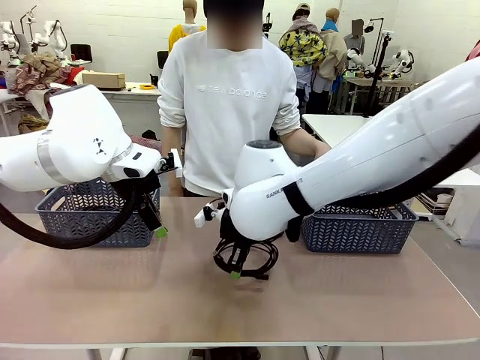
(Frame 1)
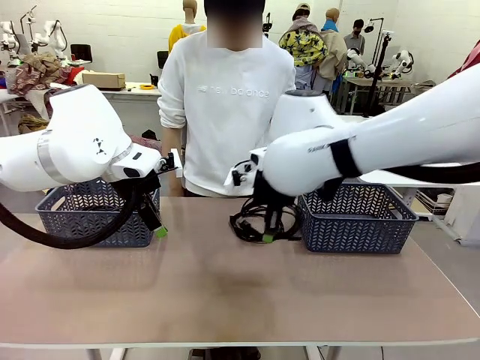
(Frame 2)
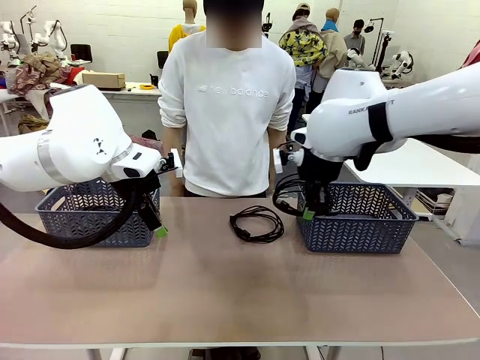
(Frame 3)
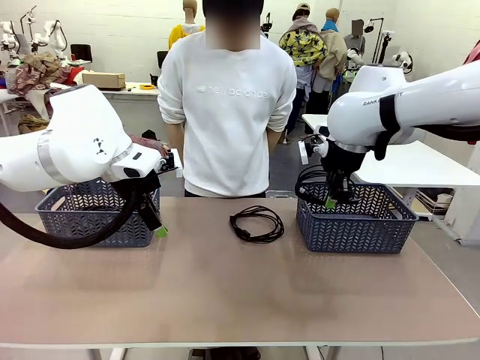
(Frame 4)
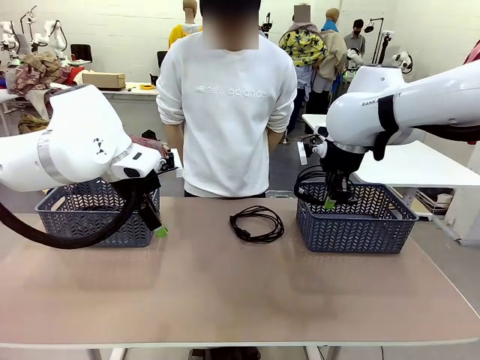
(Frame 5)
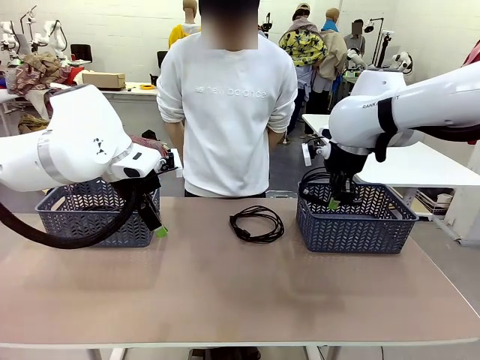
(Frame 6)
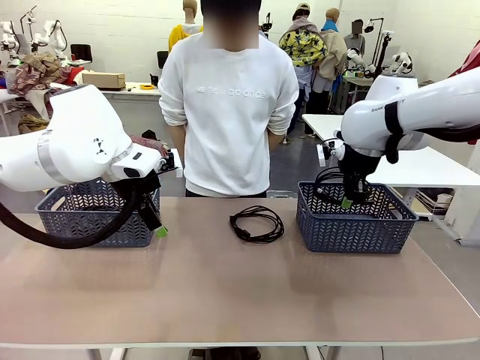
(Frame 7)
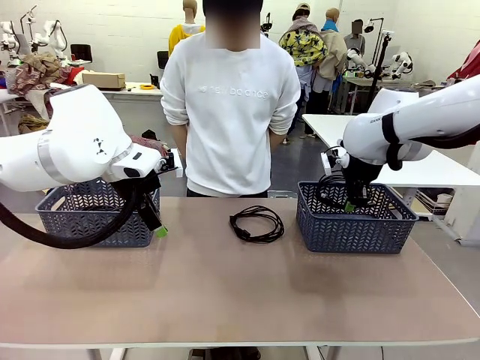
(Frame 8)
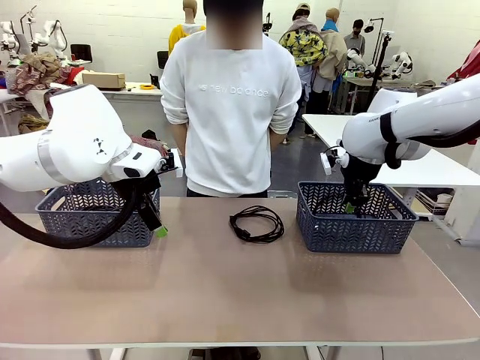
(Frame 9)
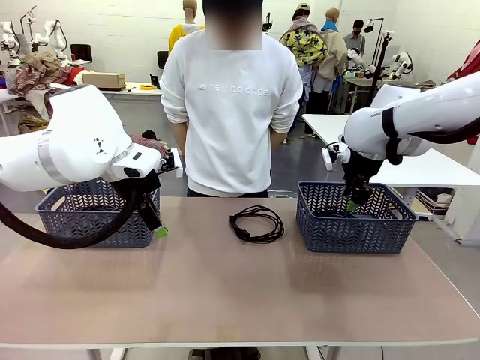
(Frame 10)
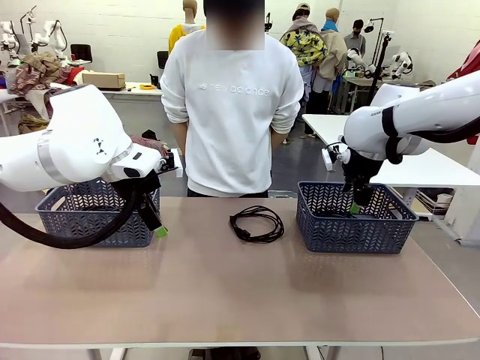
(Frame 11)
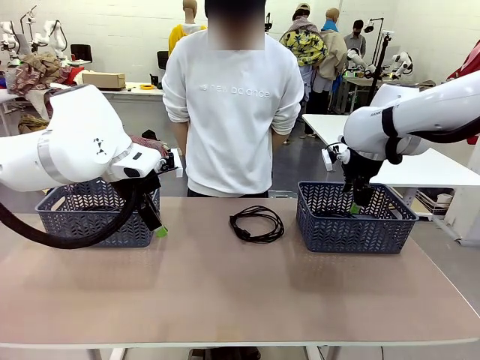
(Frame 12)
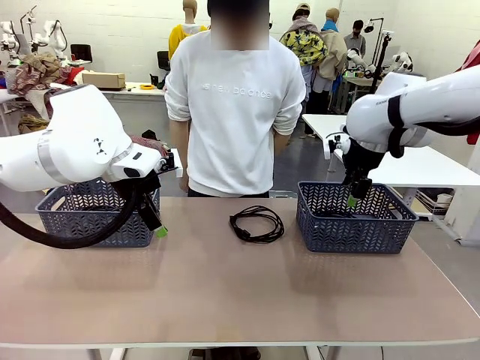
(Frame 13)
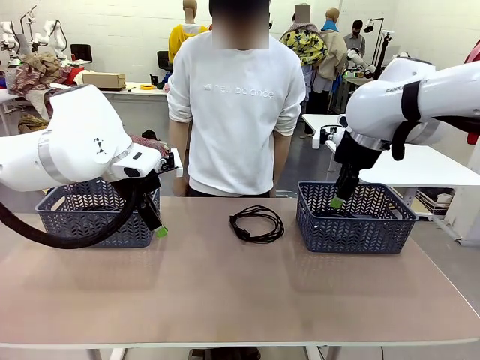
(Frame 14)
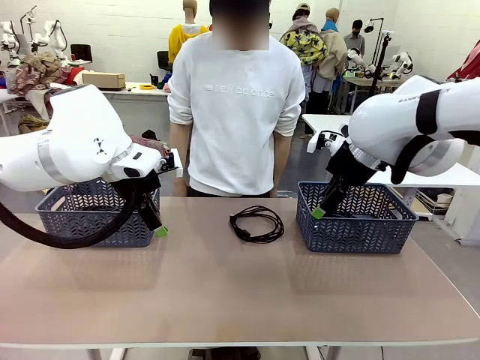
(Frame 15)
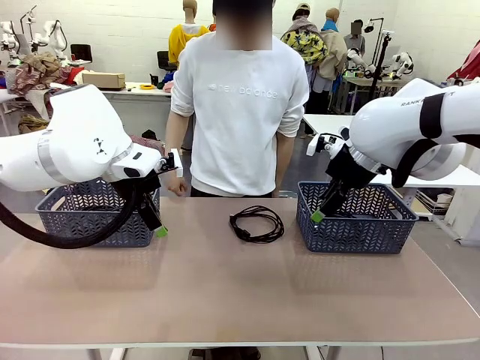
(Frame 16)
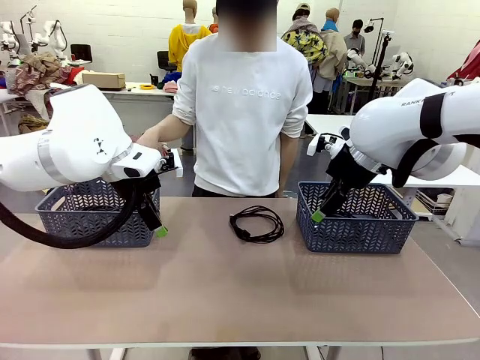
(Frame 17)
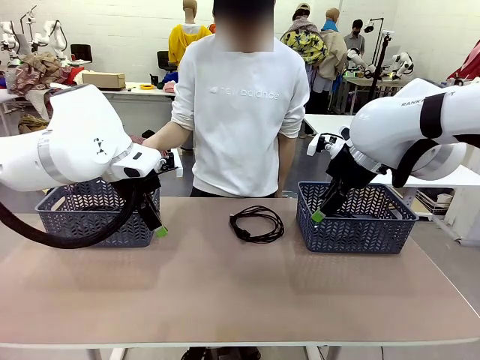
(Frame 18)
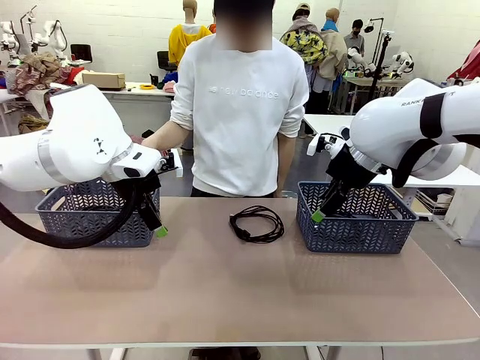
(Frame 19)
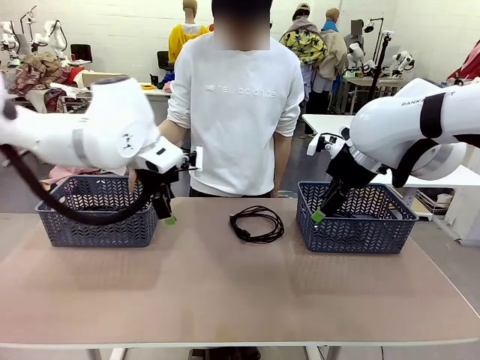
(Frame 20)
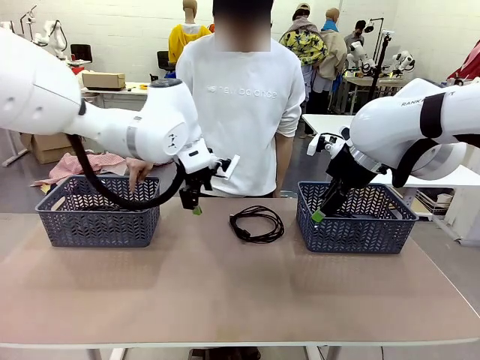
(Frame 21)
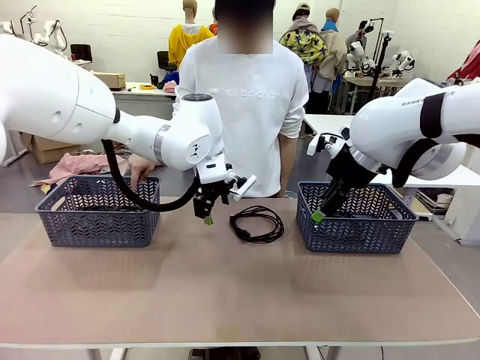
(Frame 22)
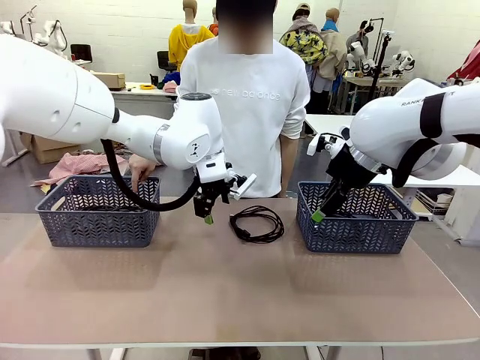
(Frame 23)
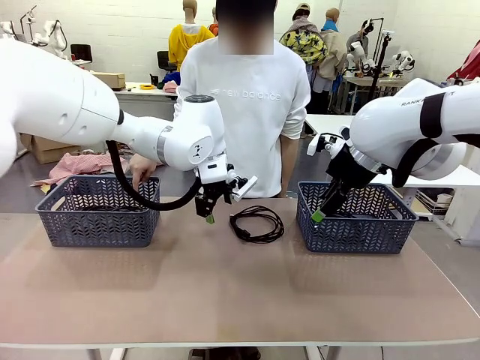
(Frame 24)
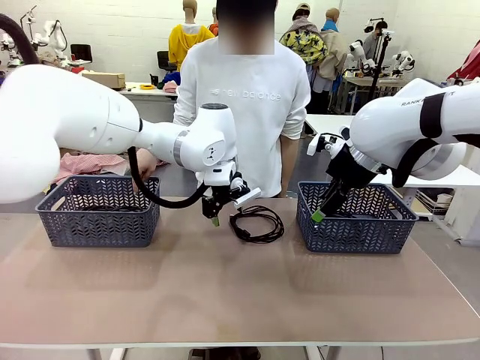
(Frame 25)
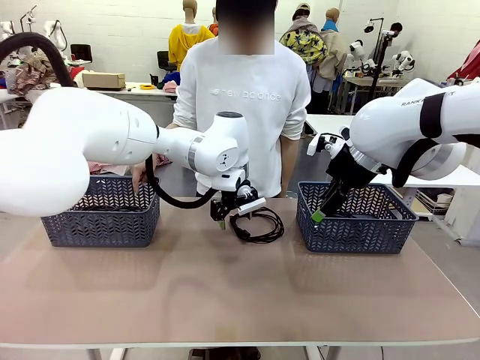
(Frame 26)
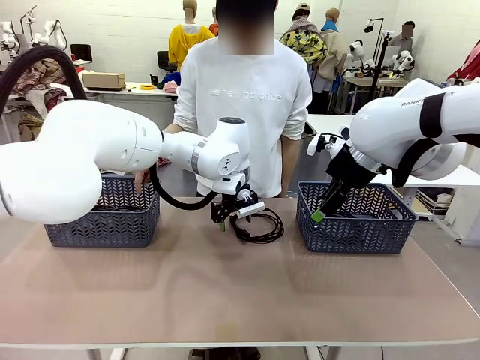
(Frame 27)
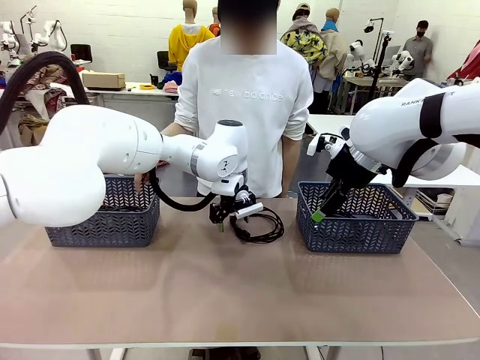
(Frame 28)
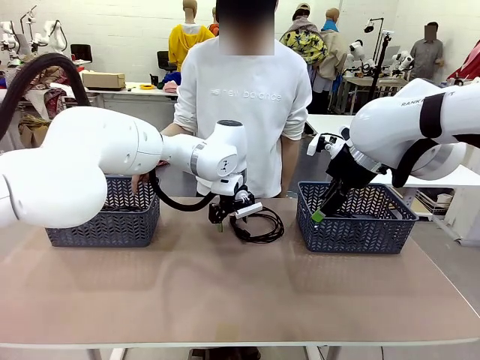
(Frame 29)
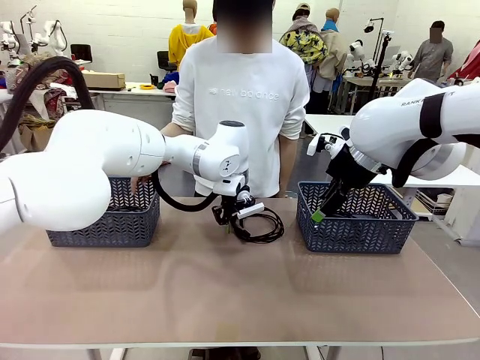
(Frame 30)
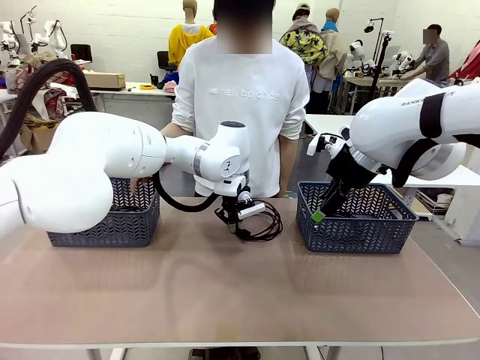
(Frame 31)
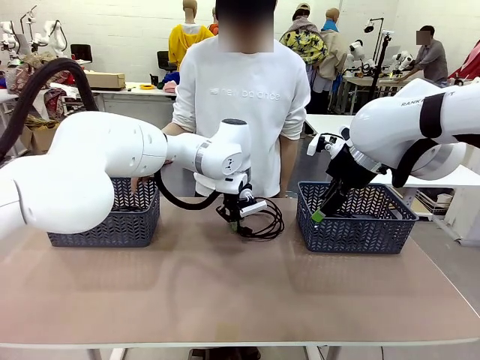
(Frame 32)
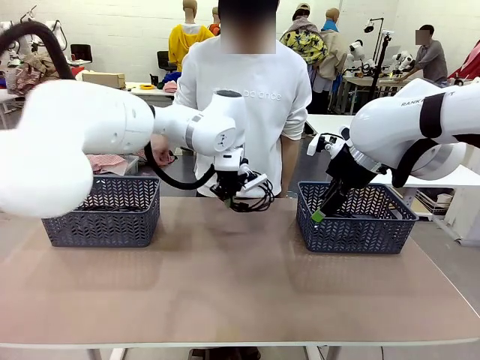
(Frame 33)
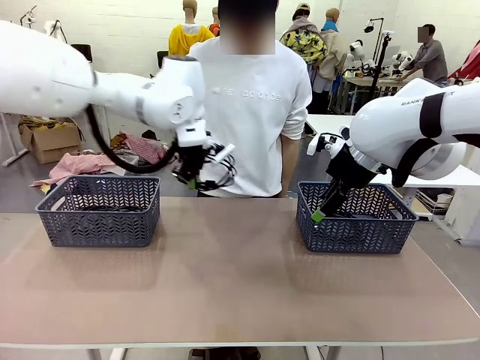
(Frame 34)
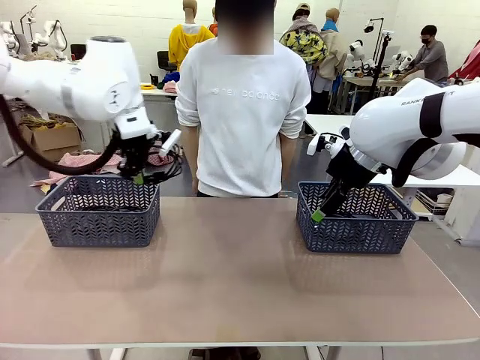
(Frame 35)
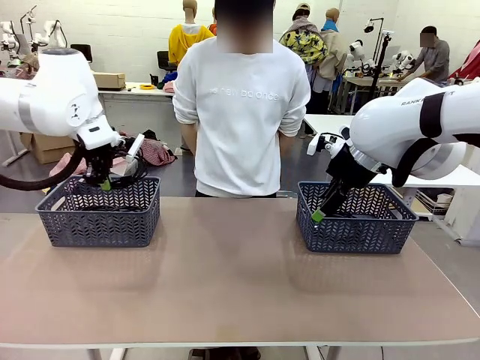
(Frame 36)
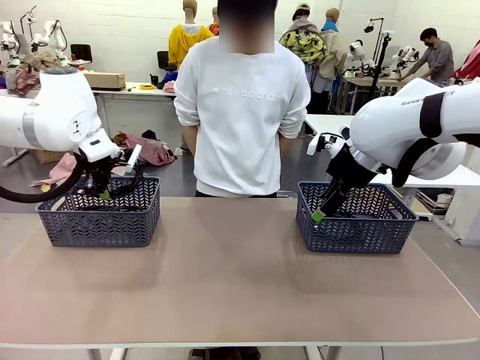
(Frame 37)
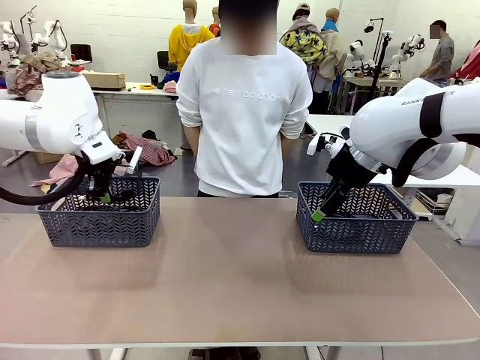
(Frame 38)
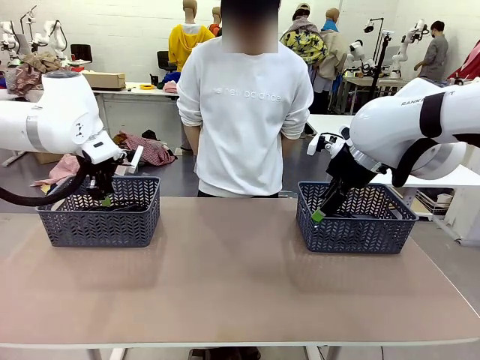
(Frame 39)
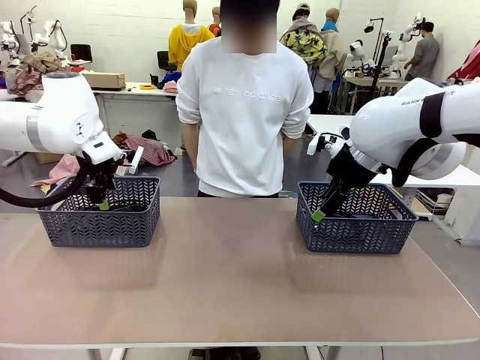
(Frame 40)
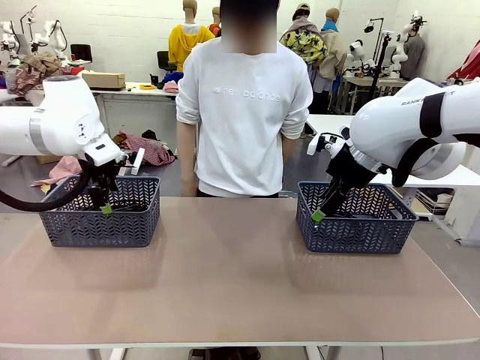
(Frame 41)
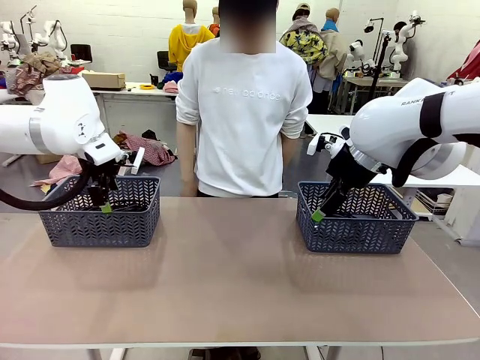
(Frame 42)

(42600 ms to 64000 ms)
Task: Organize the cables according to human instructions.
Robot: Pick up a bundle of cables and place it in the basket indicated by the human.

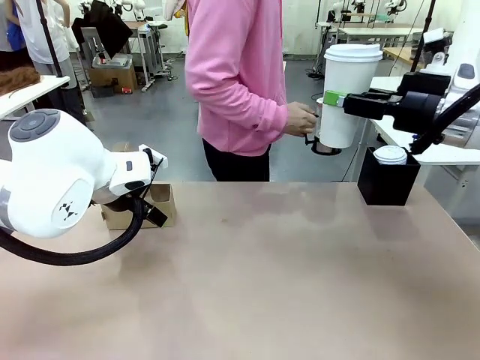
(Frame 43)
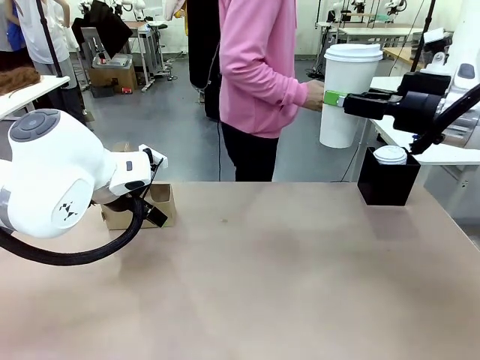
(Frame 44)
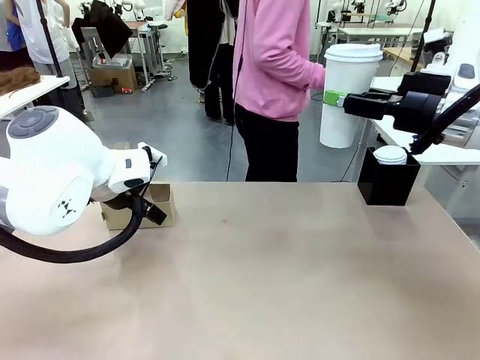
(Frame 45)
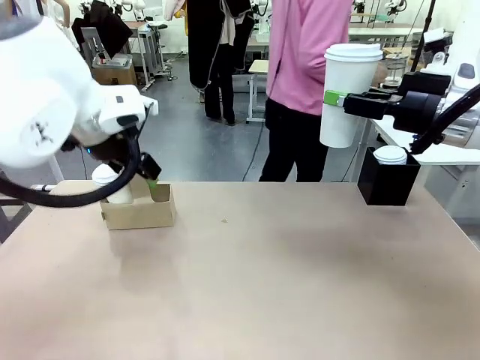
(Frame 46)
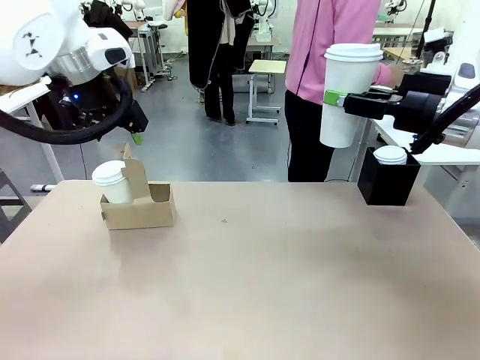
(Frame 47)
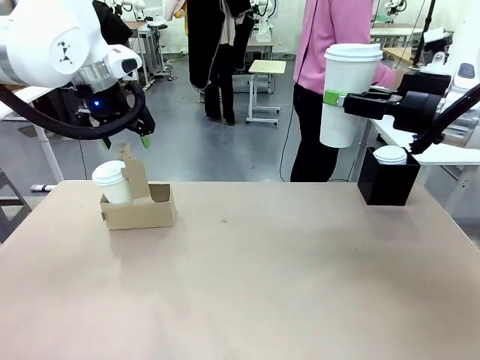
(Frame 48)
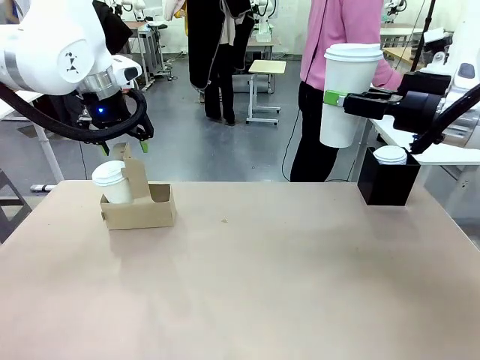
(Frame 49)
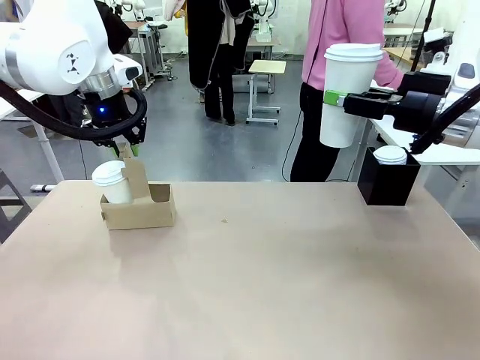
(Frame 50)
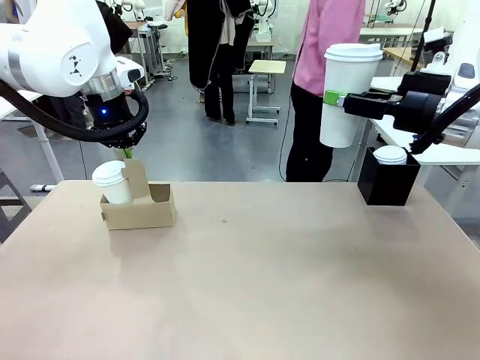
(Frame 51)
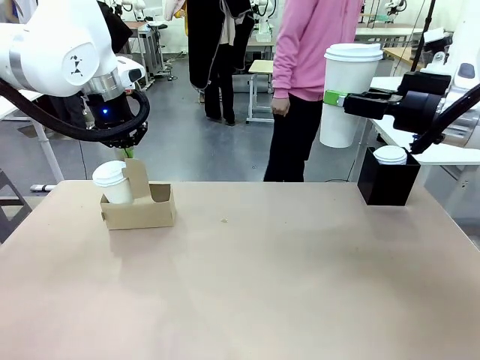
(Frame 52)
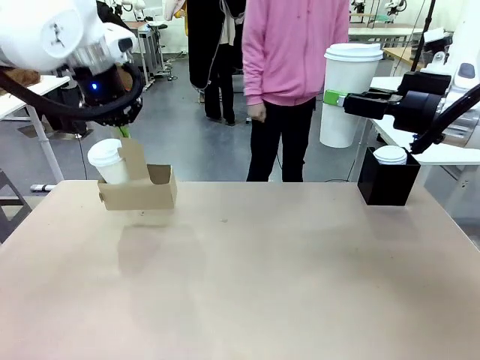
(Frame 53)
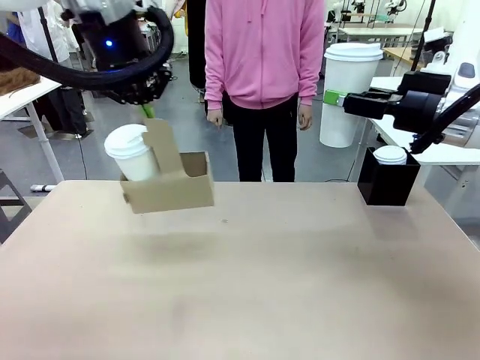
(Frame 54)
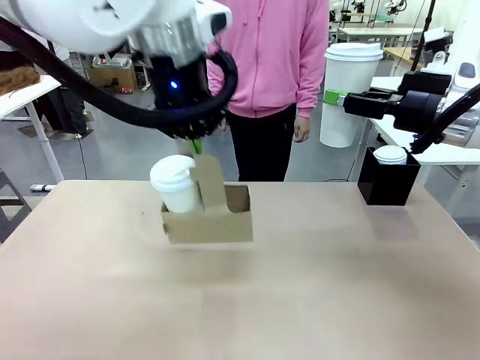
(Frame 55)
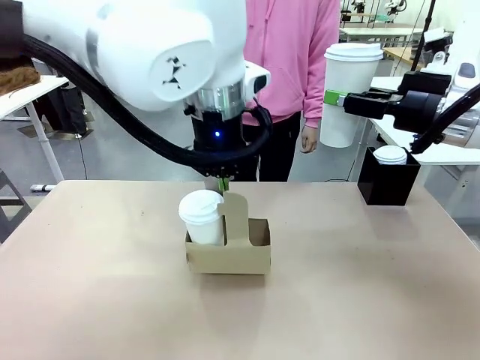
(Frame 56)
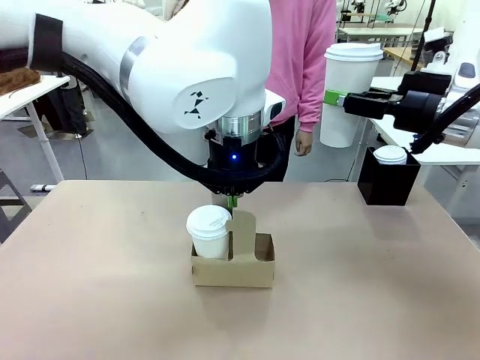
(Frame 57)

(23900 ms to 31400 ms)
Task: Pour a drink into a cup and package it in a carrier.
Robot: Position the Cup Carrier in the center of the table.
Person: Pick up the Filter Brewing and place on the middle of Human table, and return to the Robot table.
